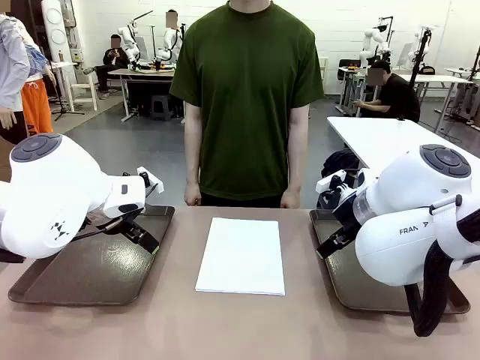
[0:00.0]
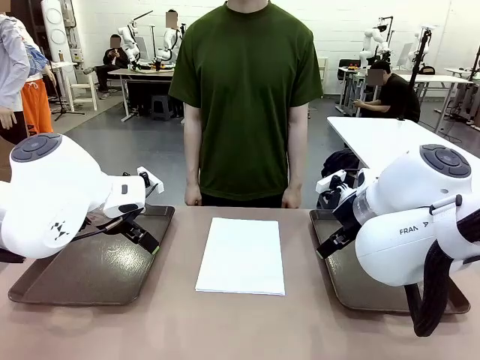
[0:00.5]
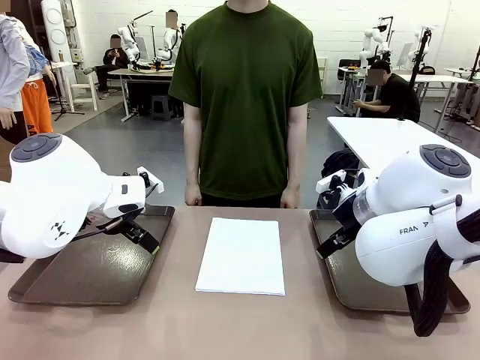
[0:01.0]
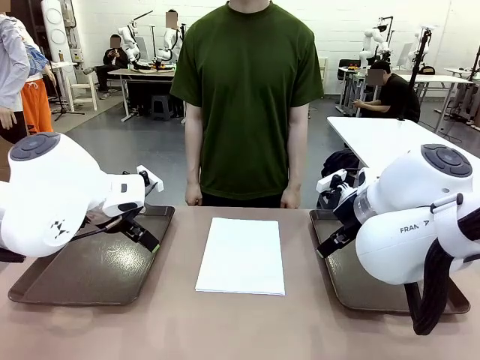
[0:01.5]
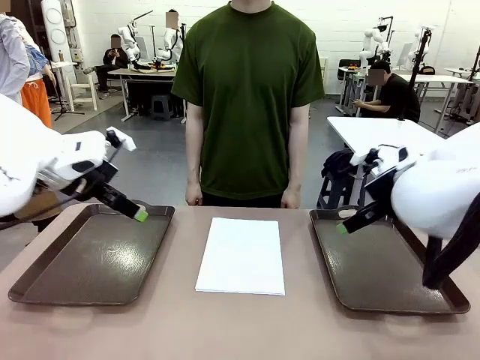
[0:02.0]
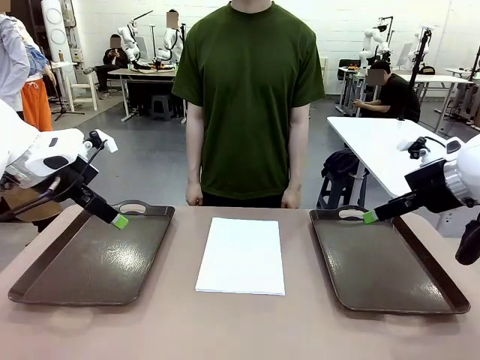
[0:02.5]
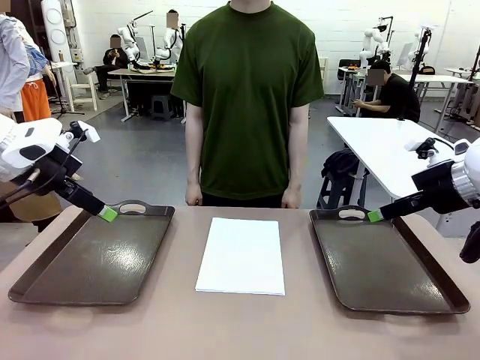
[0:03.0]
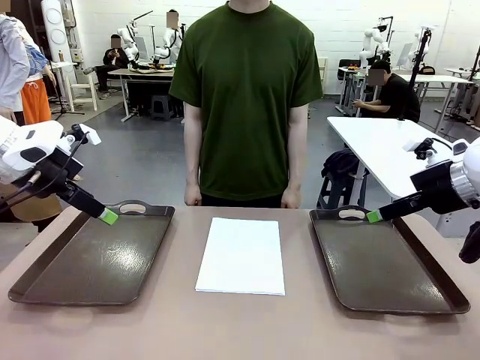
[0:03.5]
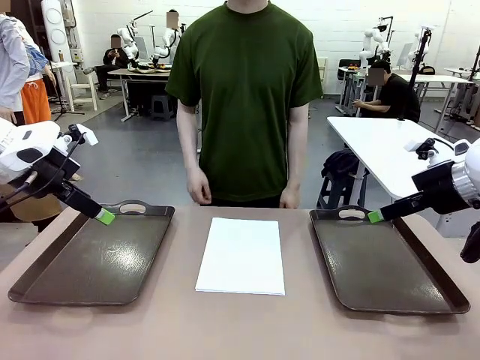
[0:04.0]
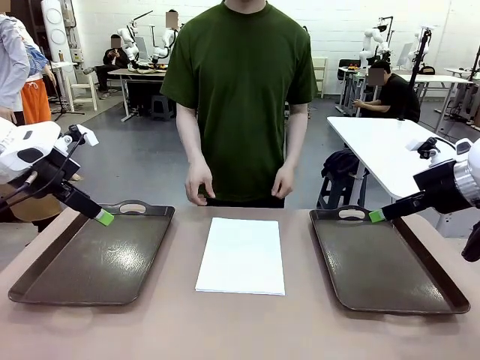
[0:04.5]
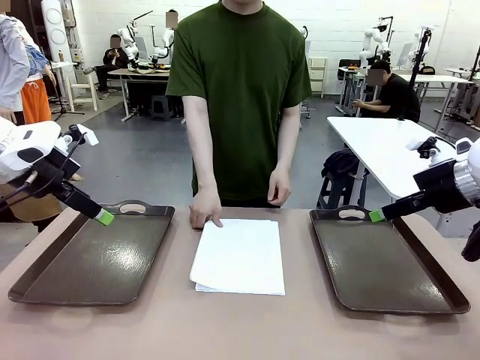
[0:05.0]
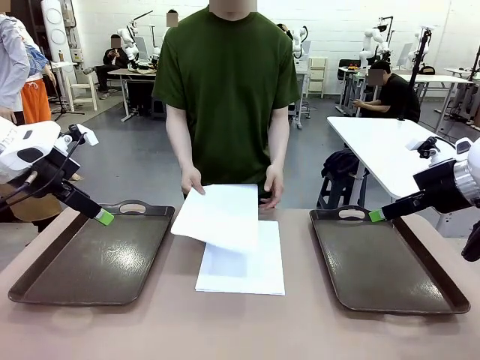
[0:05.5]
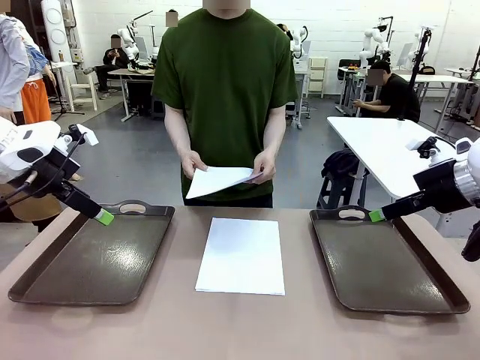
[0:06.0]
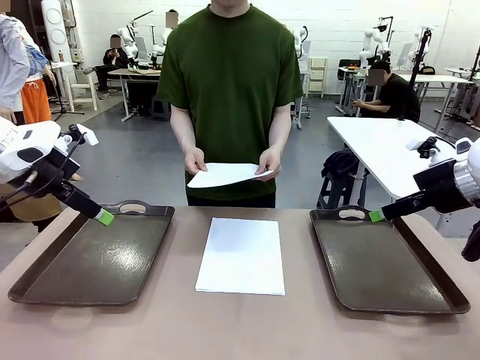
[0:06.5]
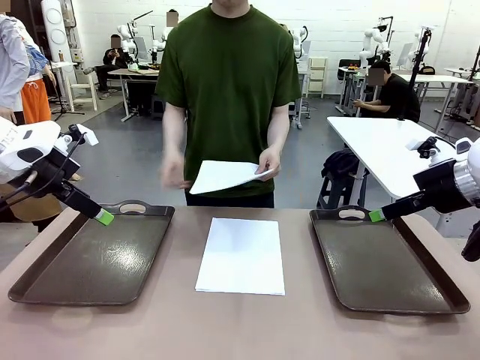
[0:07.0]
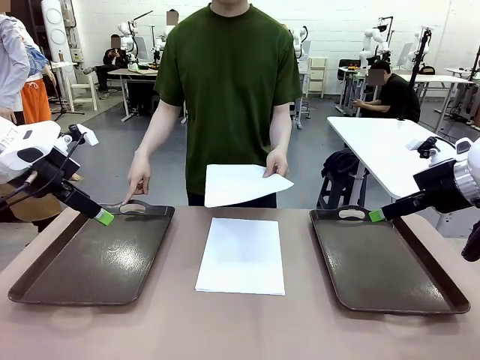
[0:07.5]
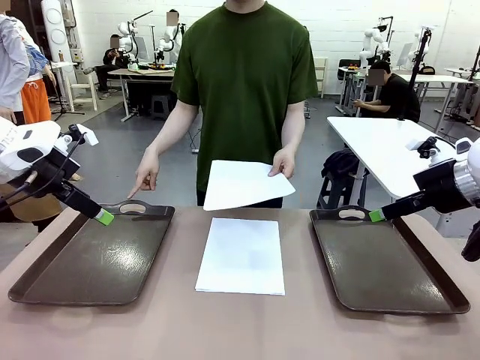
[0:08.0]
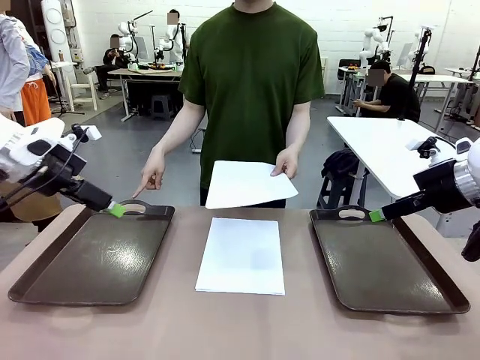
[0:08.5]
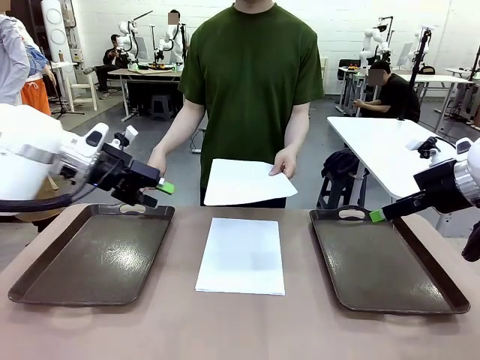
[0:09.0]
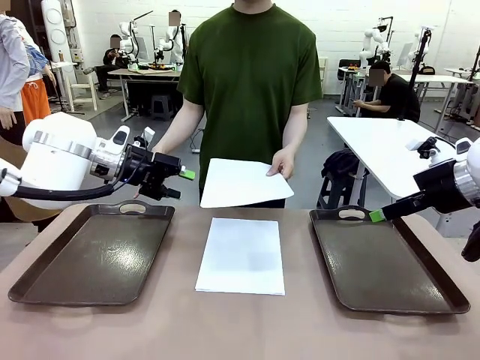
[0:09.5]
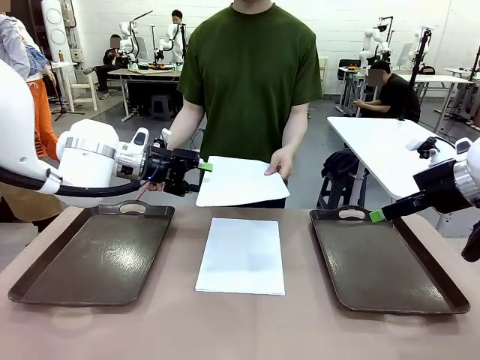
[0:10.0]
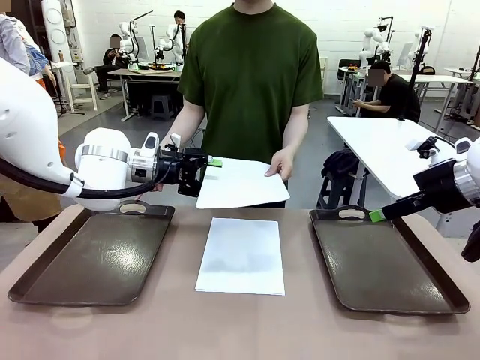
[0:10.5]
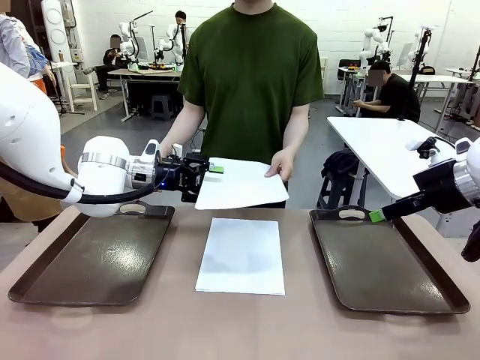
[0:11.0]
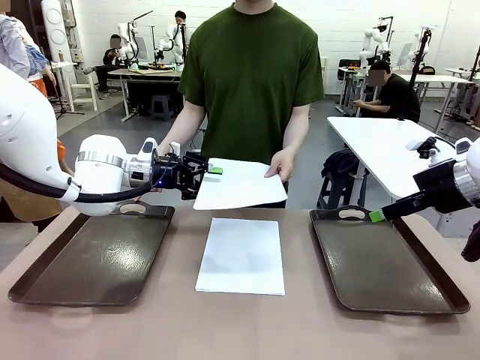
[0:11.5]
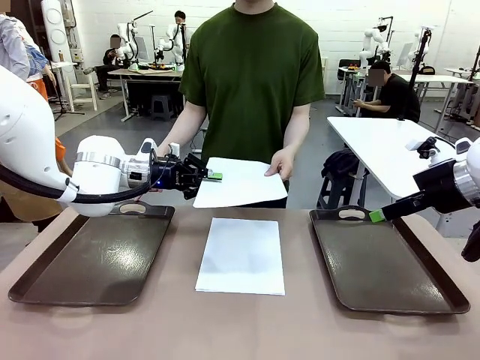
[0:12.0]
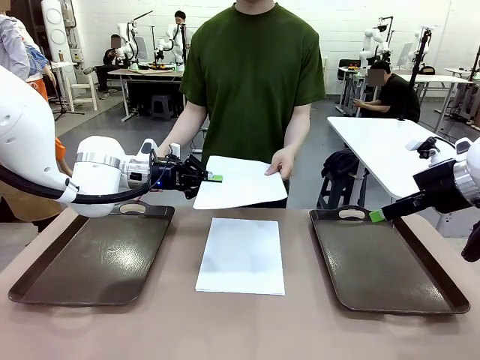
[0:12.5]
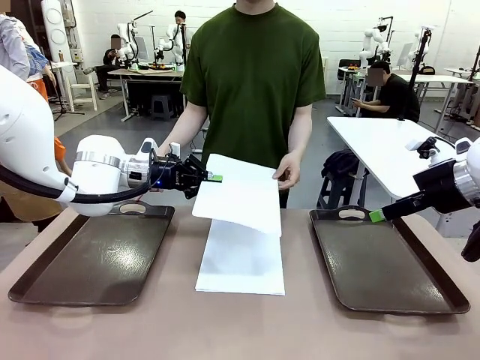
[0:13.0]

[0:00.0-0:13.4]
Task: Sort the A4 documents.
Robot: Receive the A4 Paper.
Person: Pick up a sheet of paper from the center of the table and hand it to the robot. Point the randomly selected tray with the other hand.

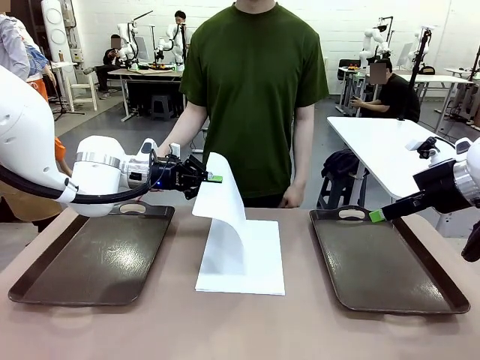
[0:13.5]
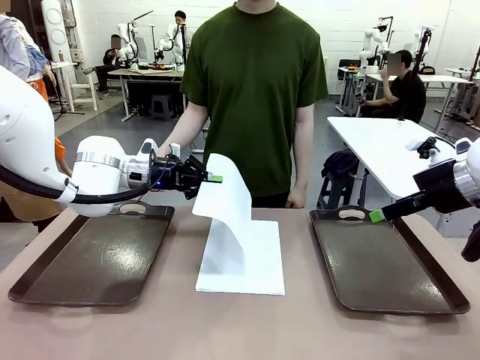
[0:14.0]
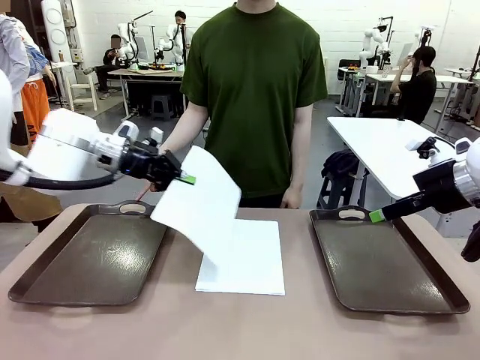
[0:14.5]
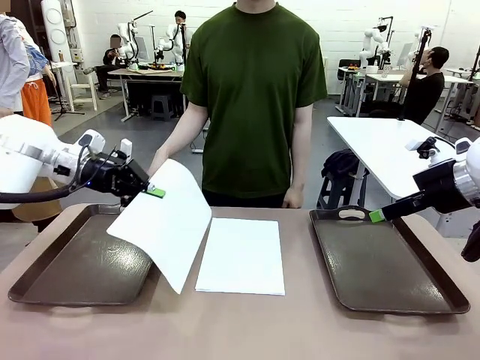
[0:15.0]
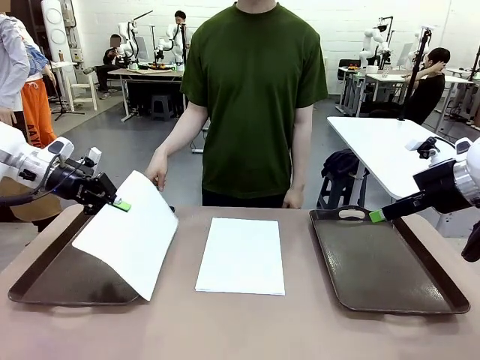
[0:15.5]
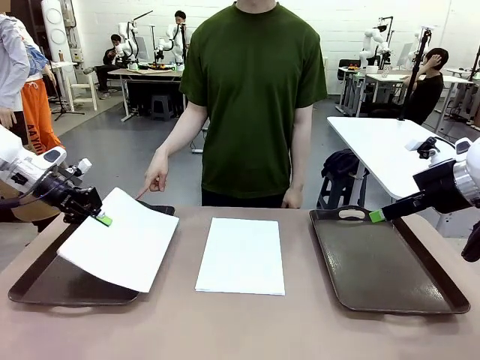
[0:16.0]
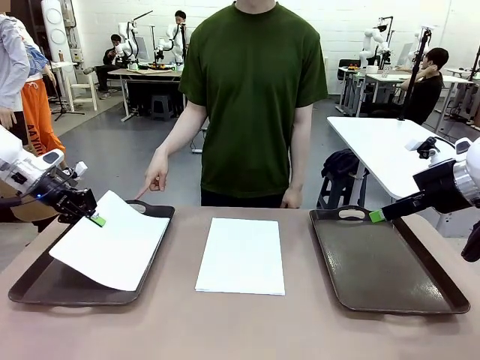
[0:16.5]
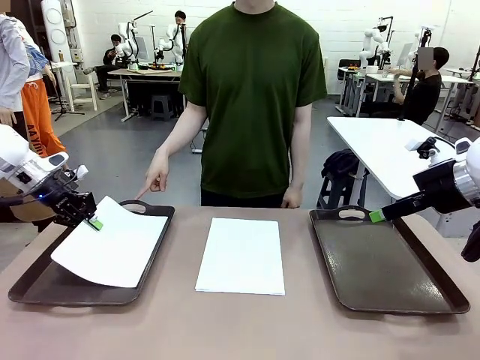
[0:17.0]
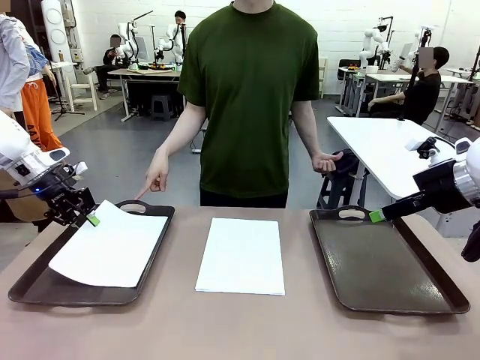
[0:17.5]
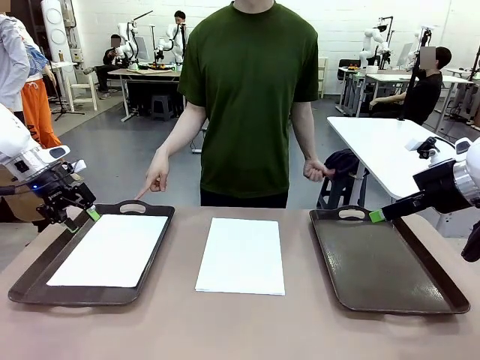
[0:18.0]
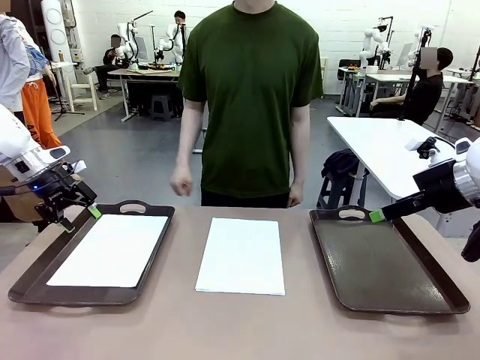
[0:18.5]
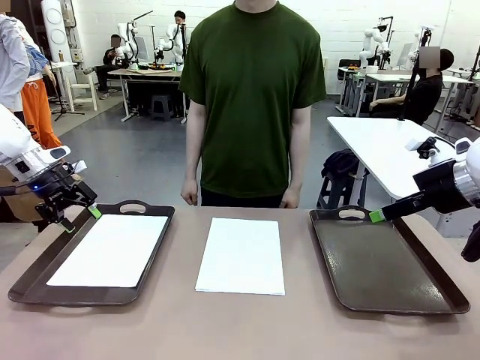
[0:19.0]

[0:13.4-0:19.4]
Robot: Place the A4 Paper in the designated Handle tray.

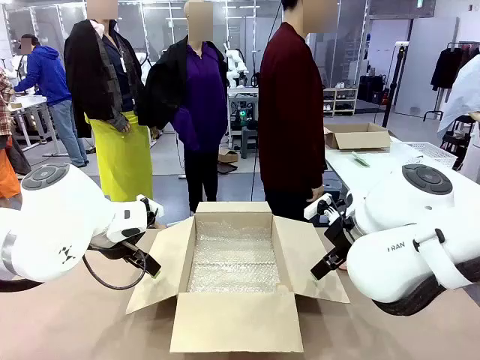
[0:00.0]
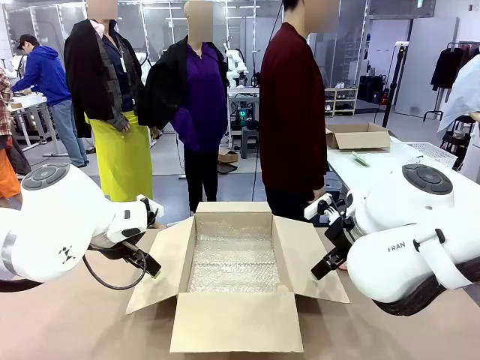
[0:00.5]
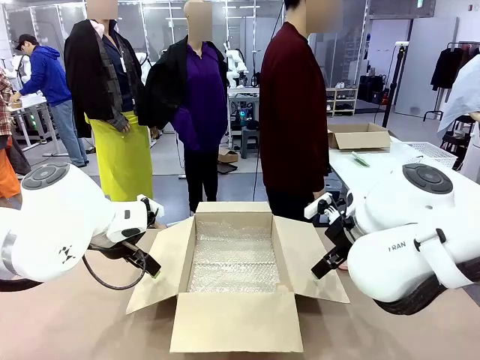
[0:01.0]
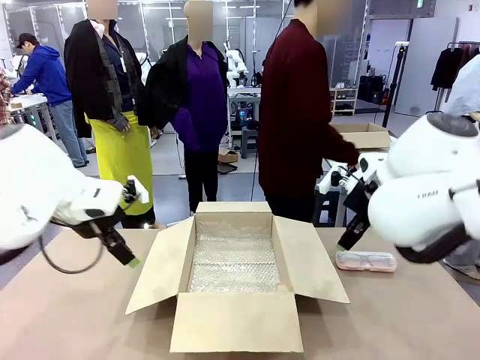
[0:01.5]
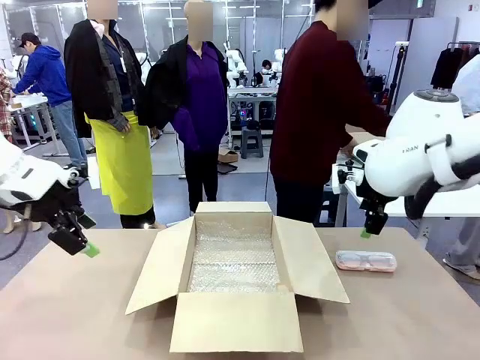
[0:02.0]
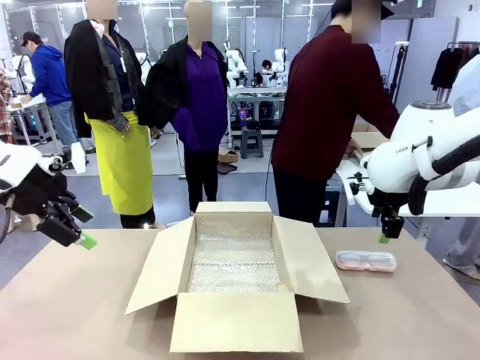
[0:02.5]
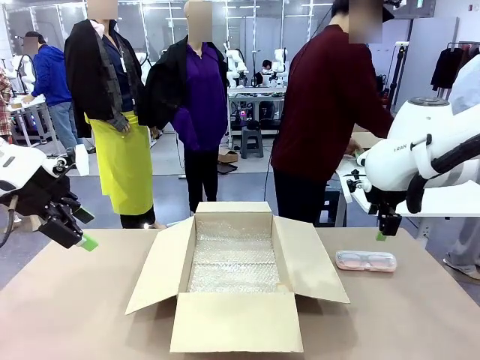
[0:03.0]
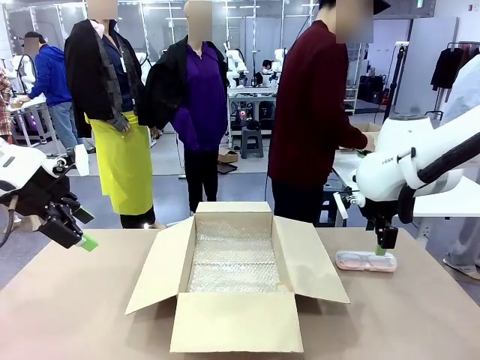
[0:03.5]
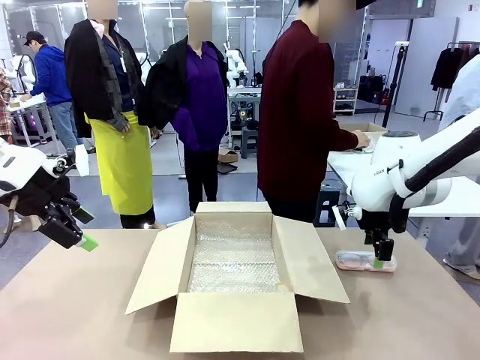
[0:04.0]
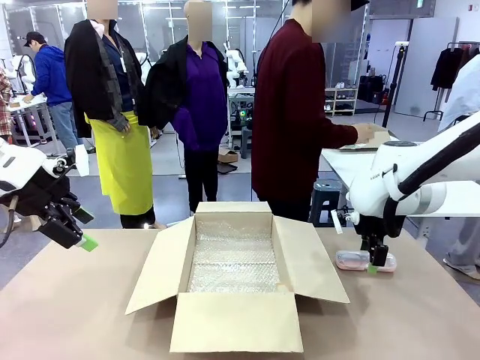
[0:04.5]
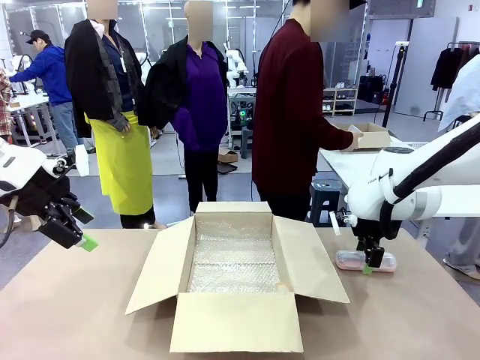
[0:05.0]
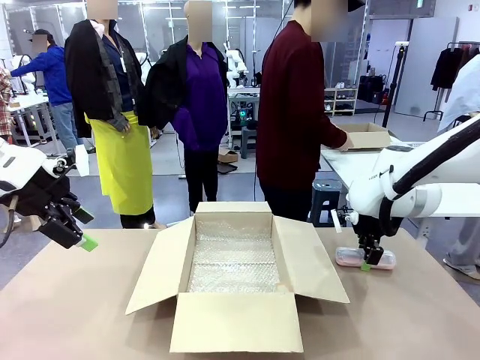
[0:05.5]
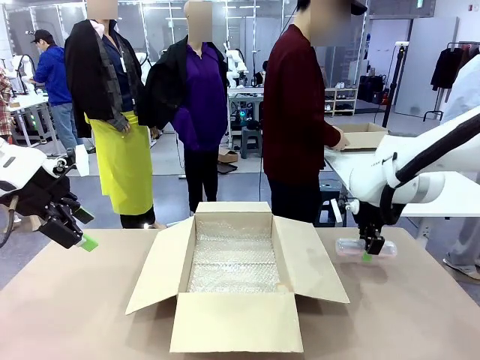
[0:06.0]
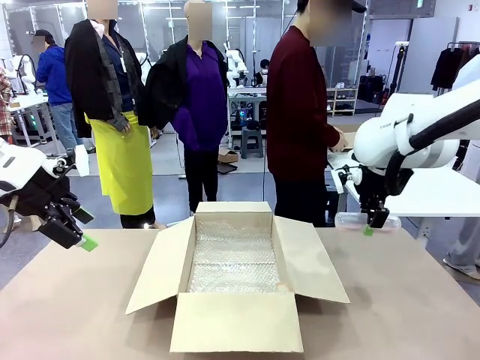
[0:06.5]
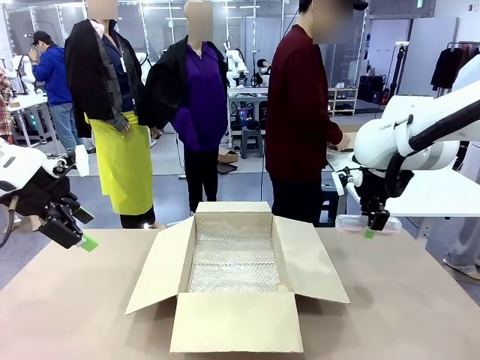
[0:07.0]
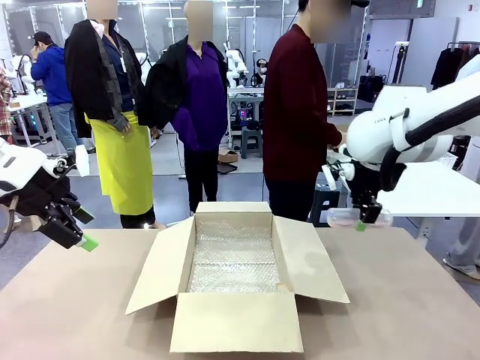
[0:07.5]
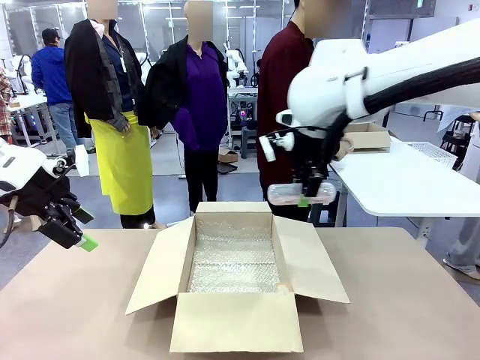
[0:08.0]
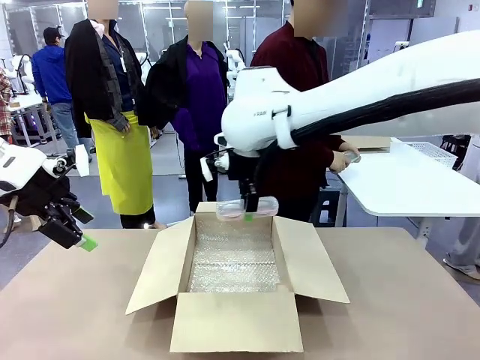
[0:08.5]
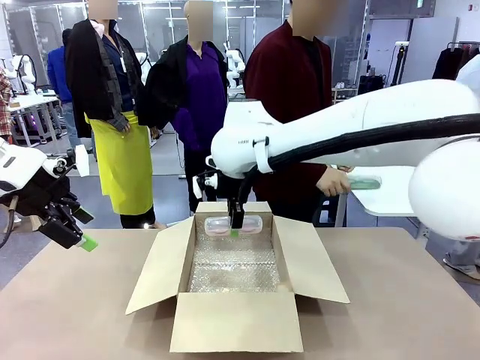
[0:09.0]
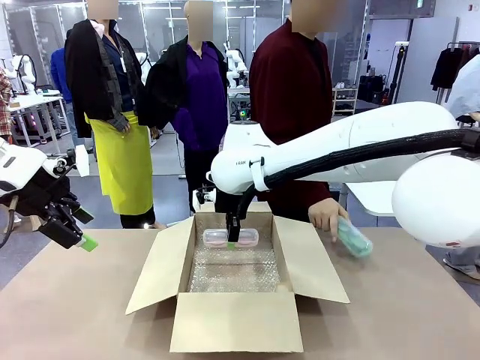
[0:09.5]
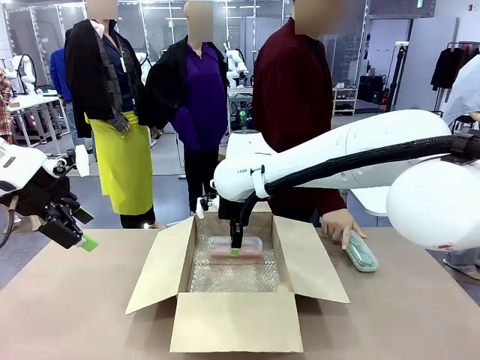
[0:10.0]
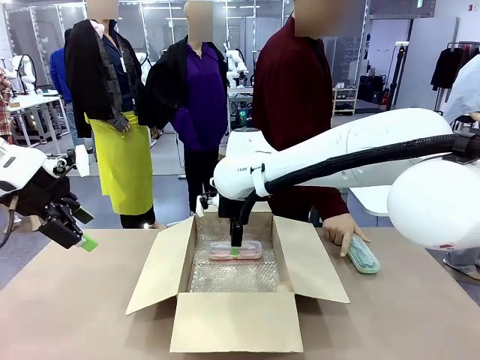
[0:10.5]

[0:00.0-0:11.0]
Task: Pack the glasses set securely to prepare it for shipping.
Robot: Place the Glasses case inside the Package Box.
Person: Place the Glasses inside the Glasses case. Position the Glasses case on the left side of the robot's table.
